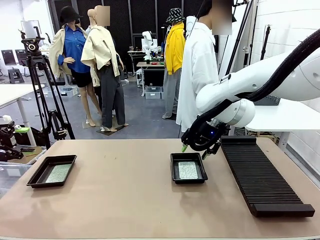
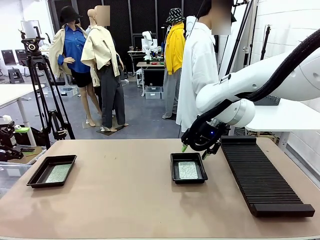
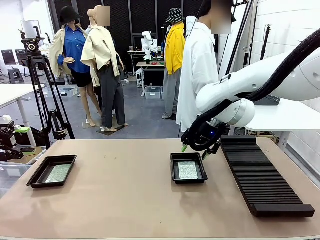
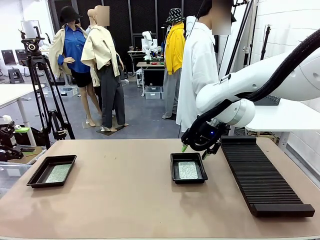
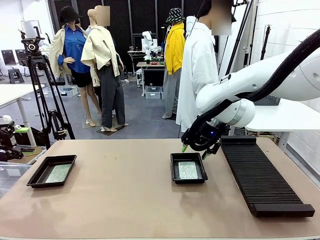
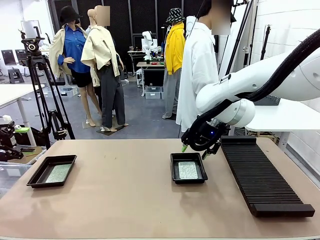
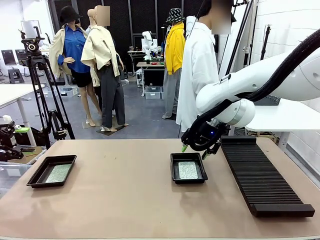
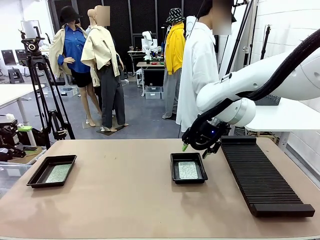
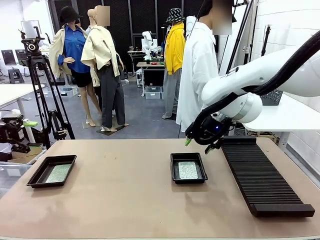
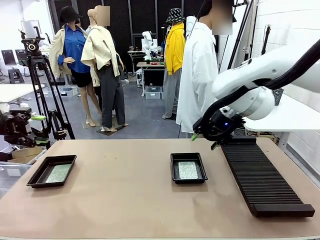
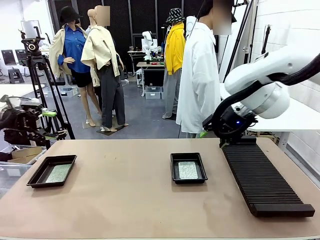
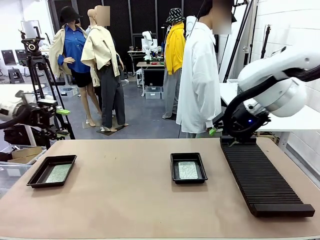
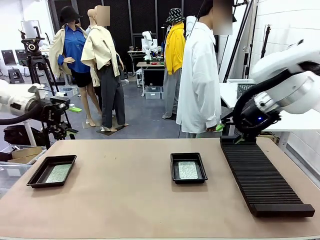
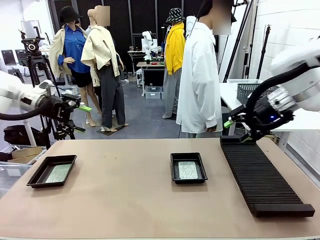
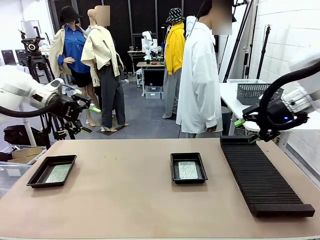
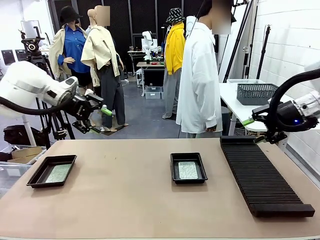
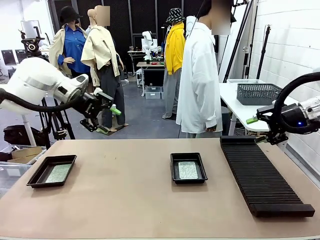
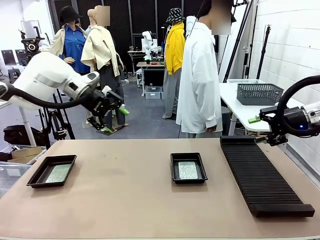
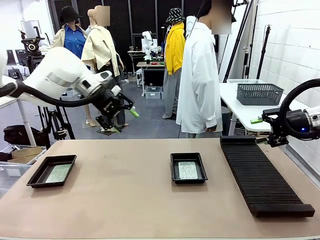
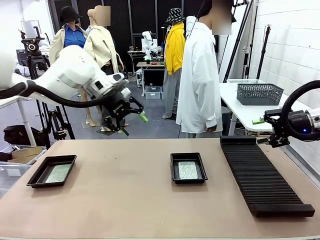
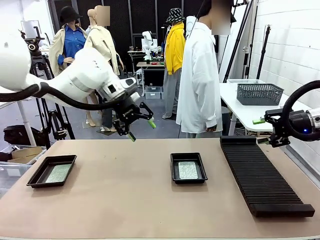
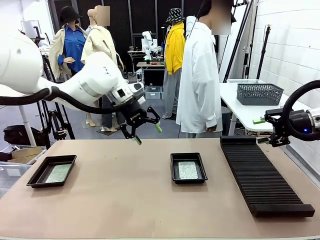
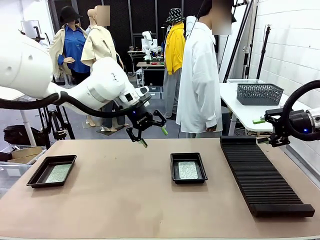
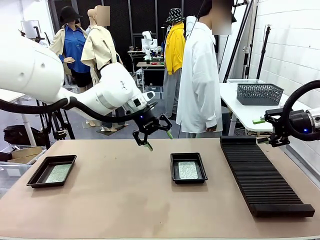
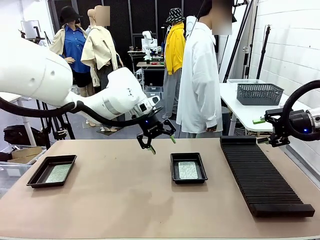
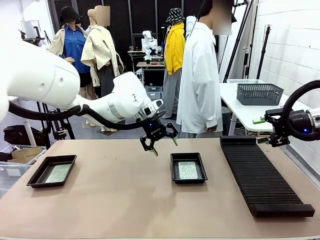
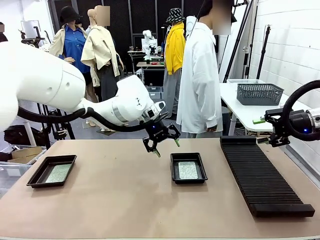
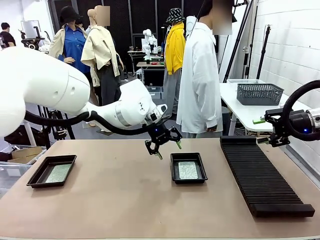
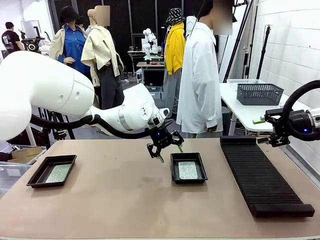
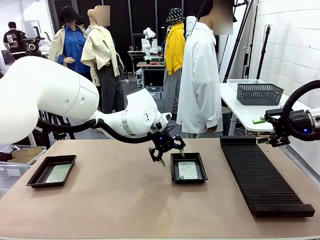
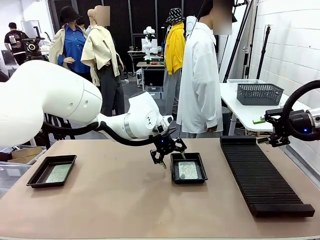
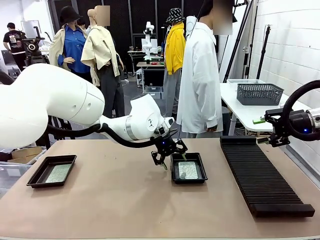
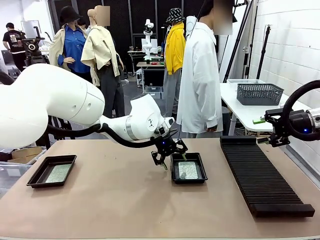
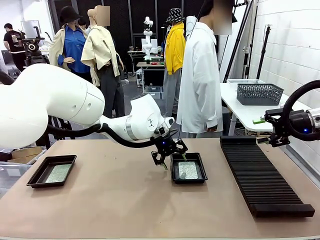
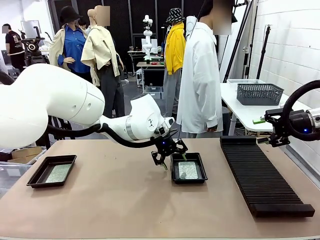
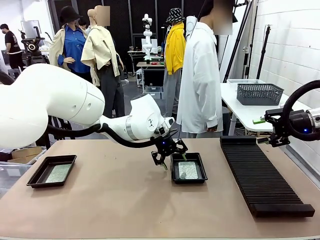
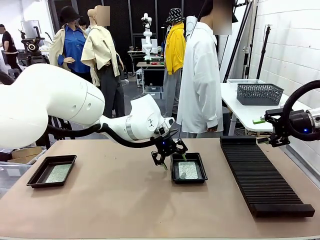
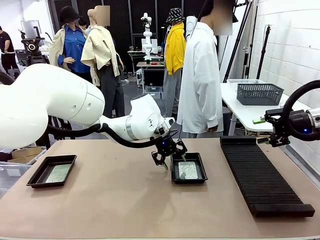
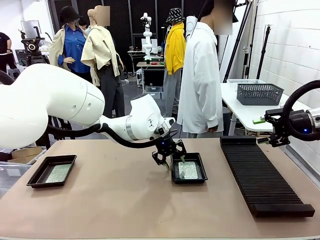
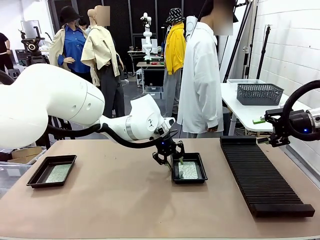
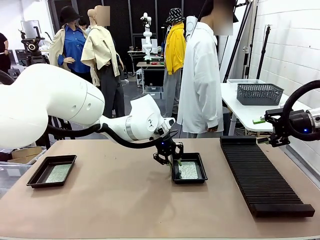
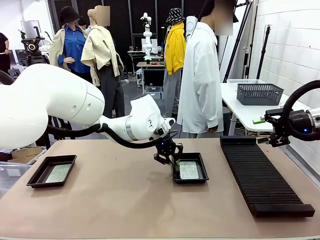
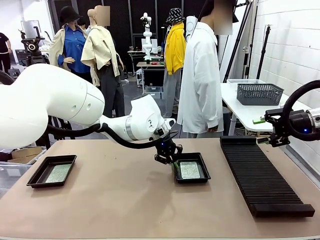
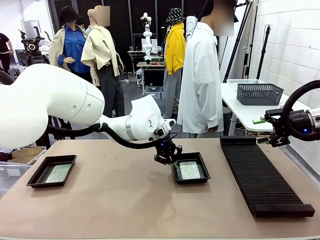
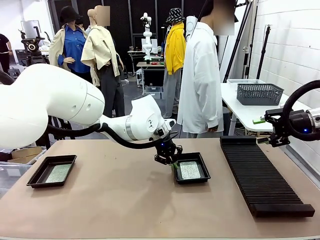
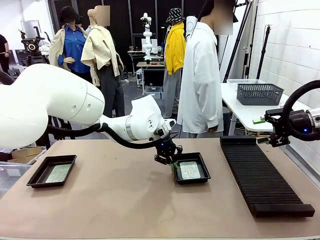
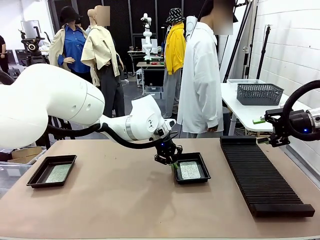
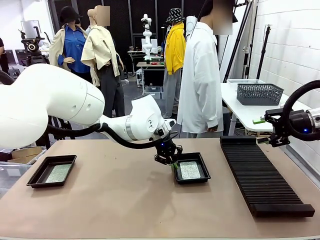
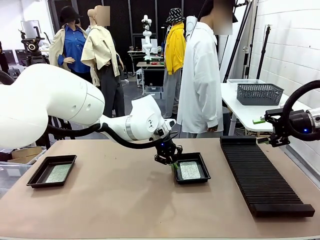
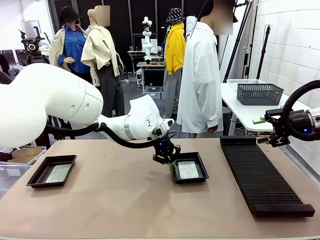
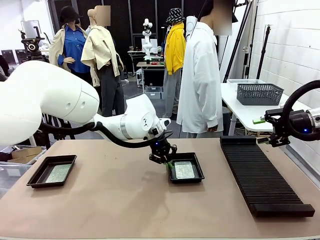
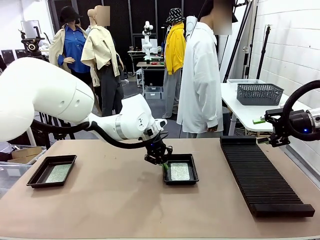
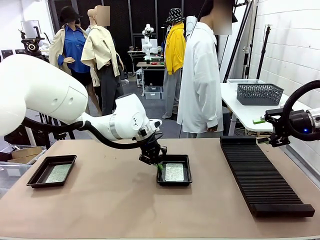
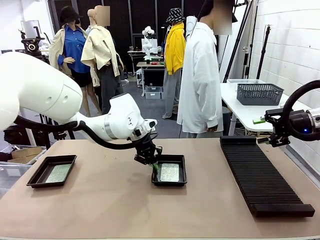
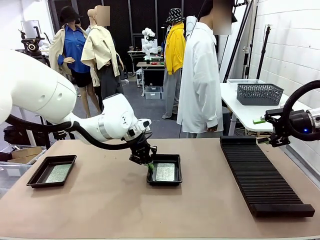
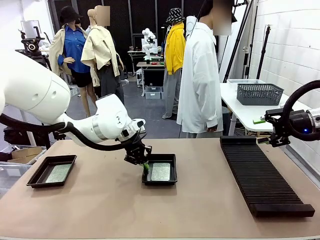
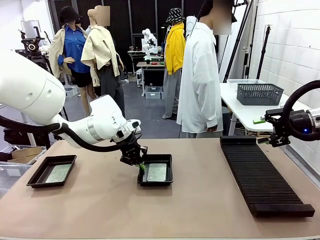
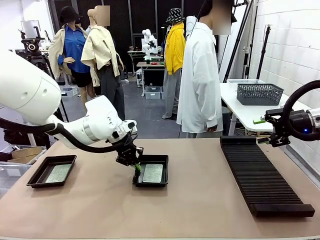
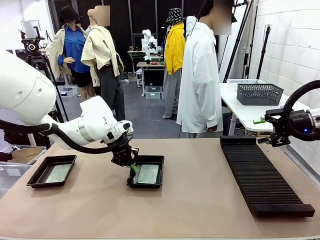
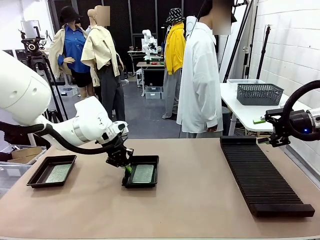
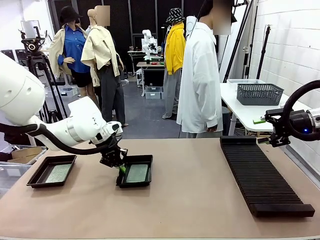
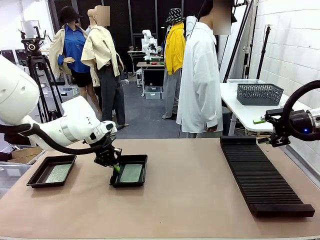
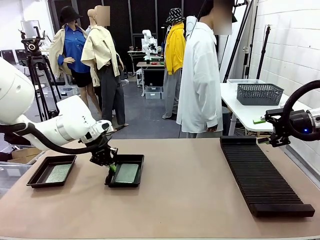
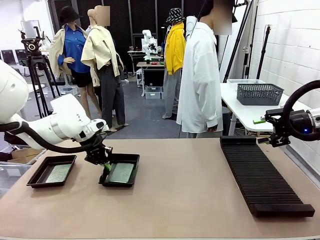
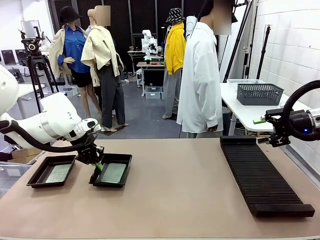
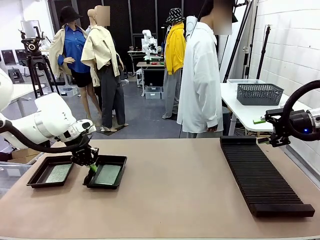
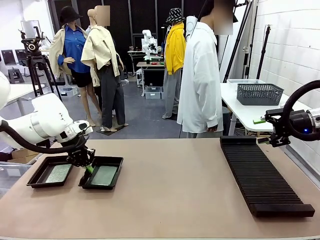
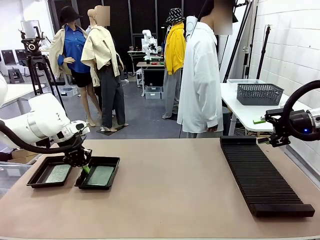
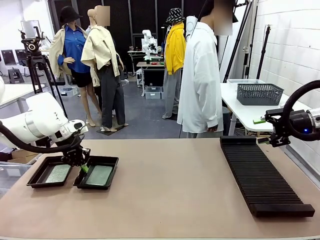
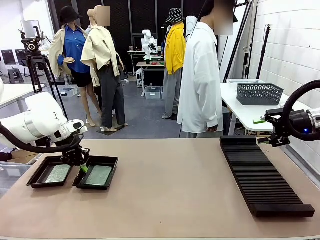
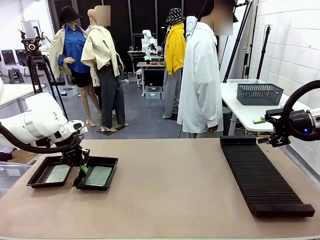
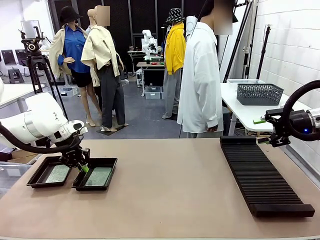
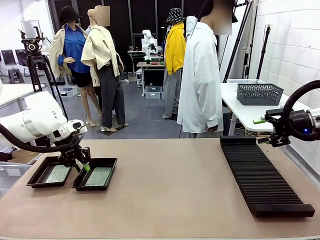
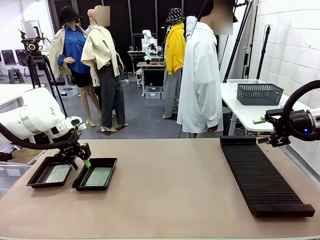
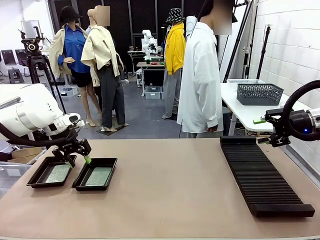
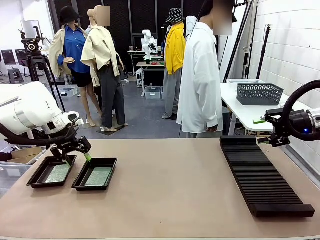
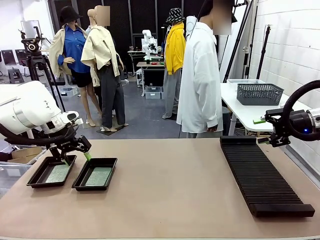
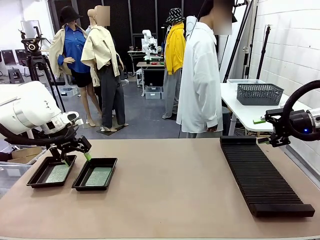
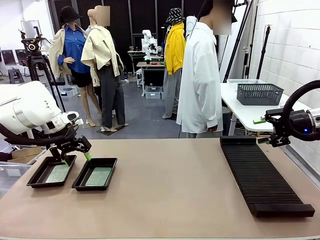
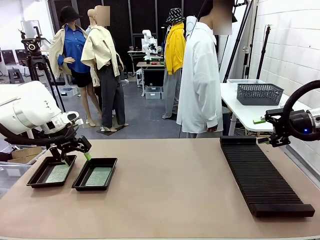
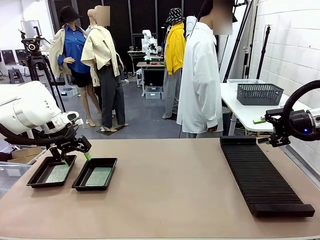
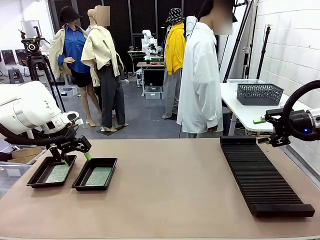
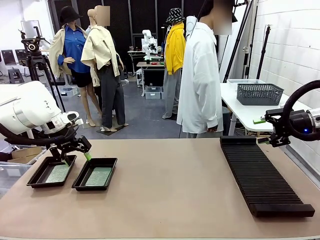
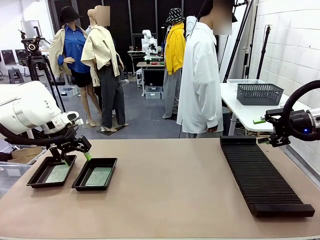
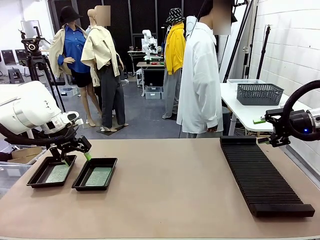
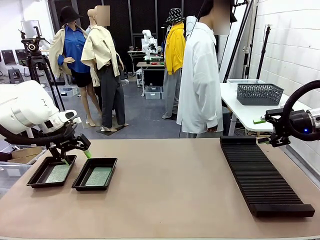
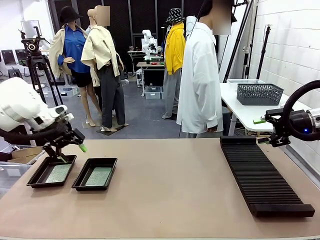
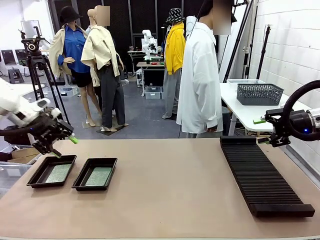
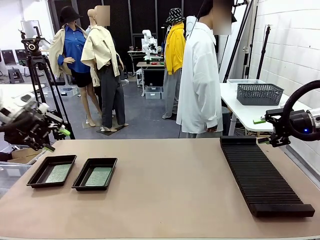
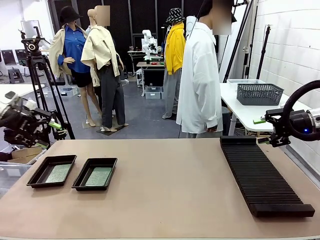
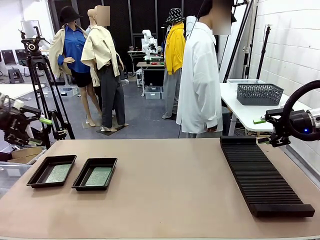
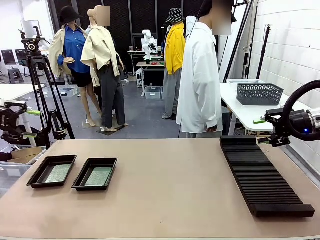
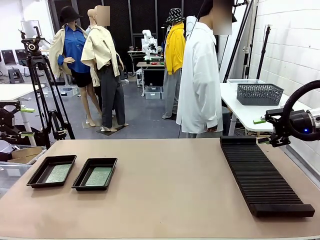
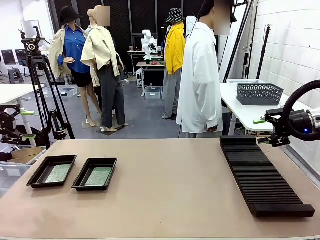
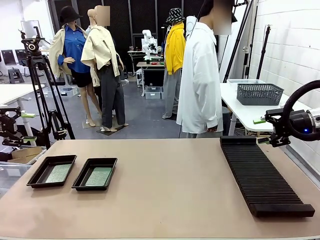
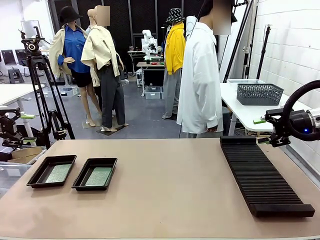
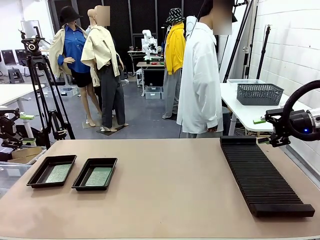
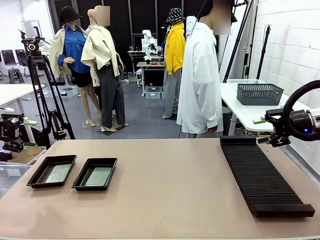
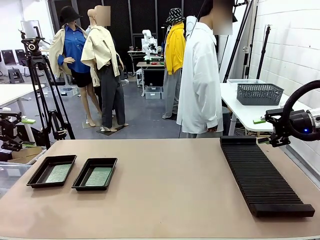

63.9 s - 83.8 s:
Task: Inspect and transfer BCBs to ESD trays.
Robot: Pick up the ESD tray and place it on the left side of the table.
